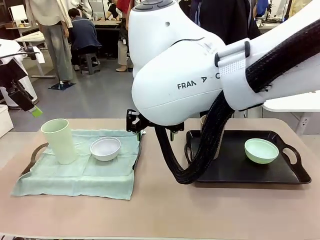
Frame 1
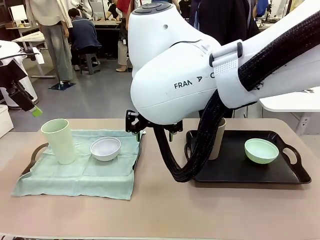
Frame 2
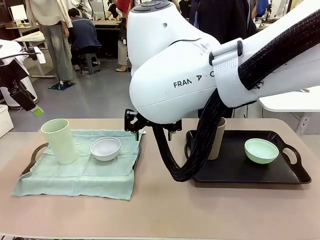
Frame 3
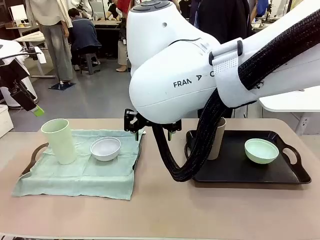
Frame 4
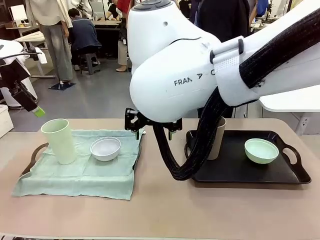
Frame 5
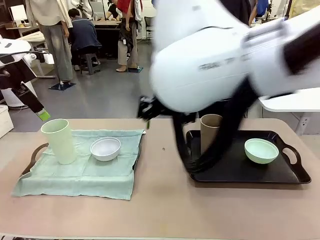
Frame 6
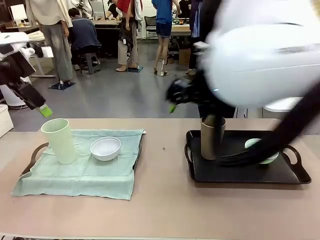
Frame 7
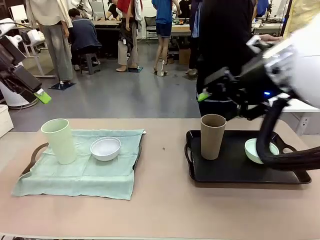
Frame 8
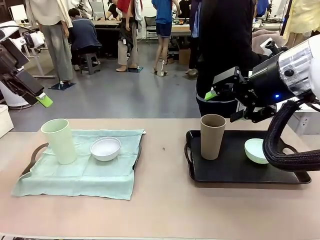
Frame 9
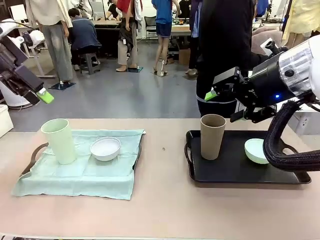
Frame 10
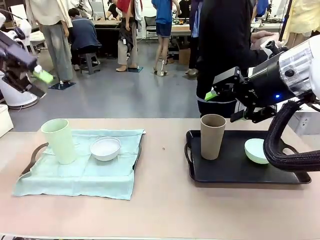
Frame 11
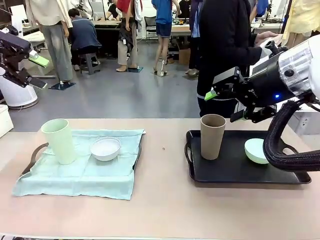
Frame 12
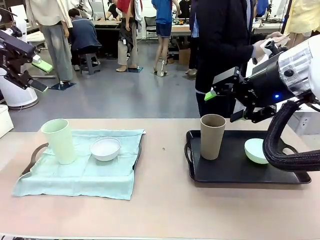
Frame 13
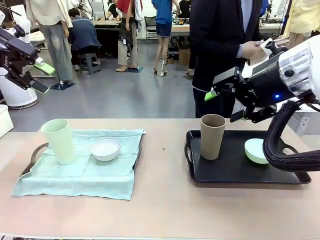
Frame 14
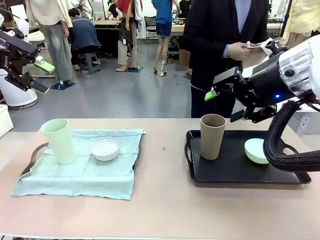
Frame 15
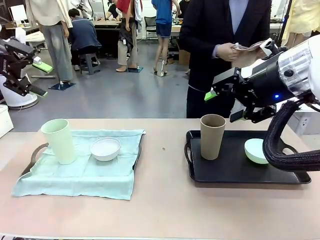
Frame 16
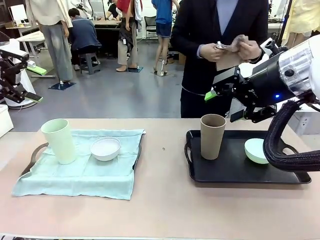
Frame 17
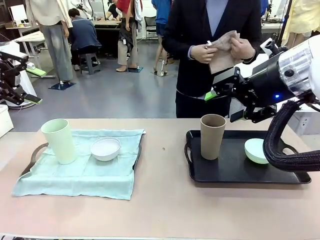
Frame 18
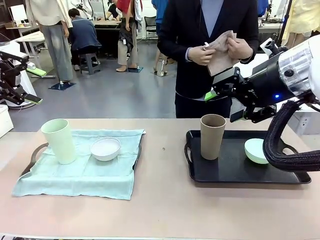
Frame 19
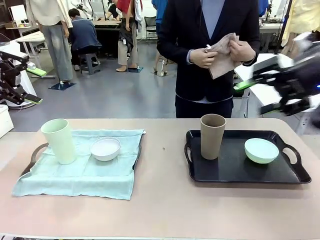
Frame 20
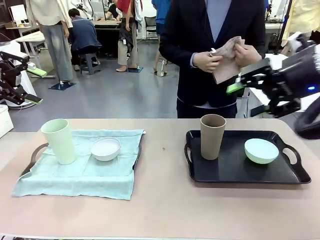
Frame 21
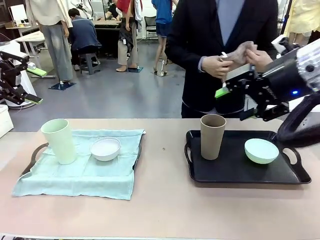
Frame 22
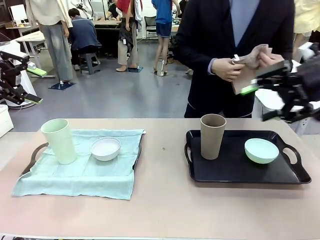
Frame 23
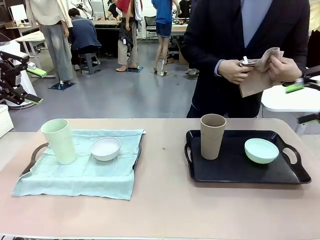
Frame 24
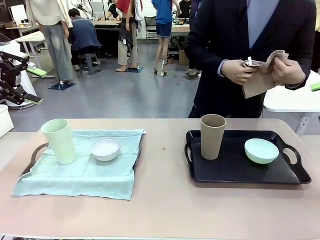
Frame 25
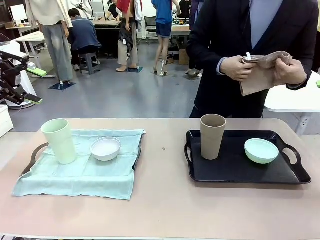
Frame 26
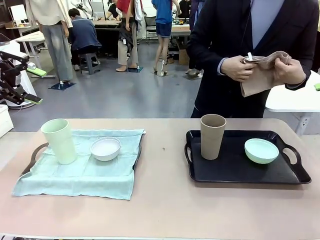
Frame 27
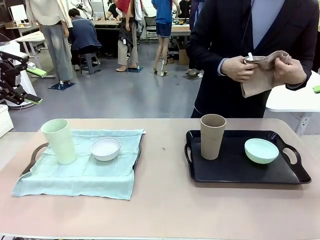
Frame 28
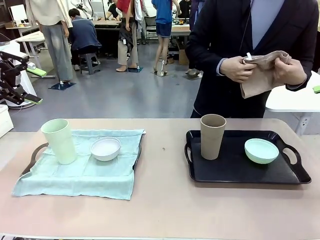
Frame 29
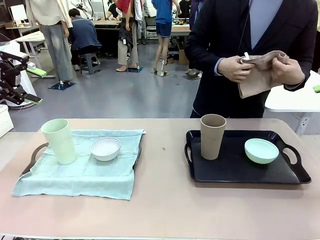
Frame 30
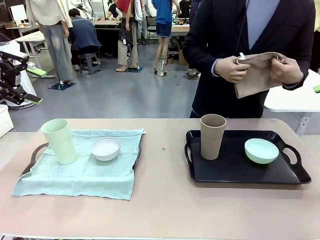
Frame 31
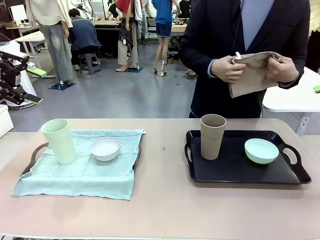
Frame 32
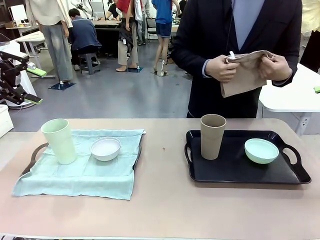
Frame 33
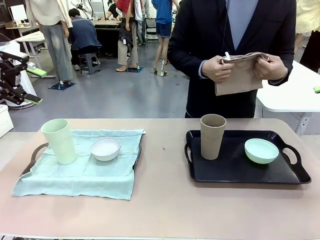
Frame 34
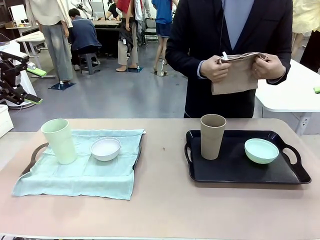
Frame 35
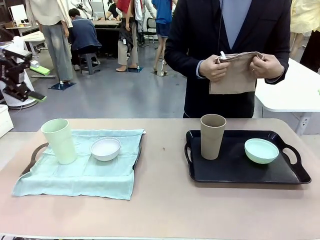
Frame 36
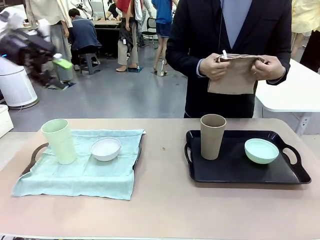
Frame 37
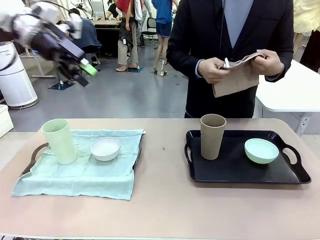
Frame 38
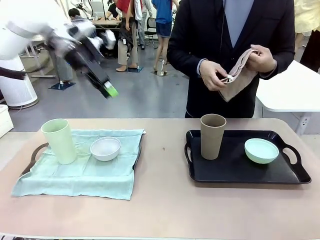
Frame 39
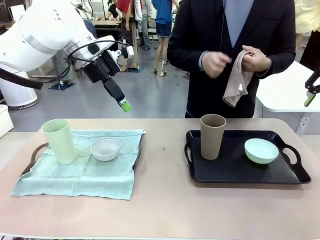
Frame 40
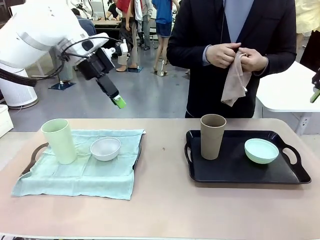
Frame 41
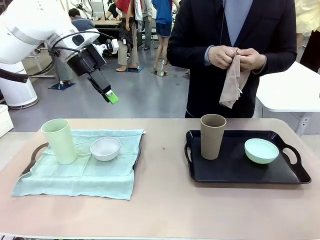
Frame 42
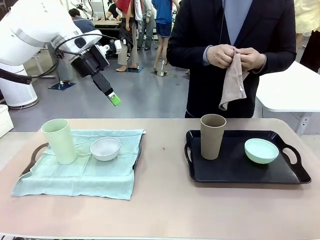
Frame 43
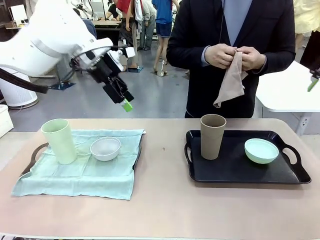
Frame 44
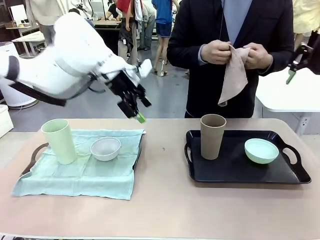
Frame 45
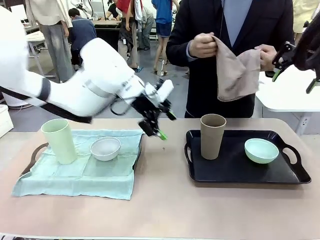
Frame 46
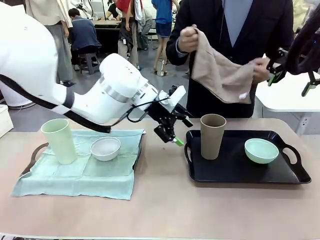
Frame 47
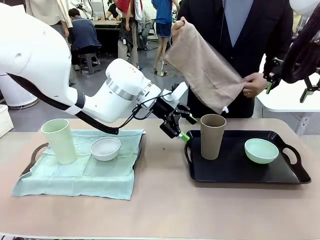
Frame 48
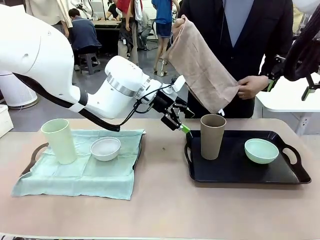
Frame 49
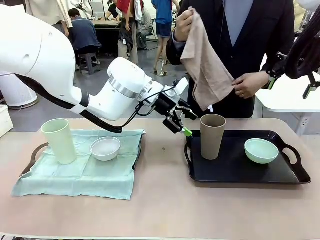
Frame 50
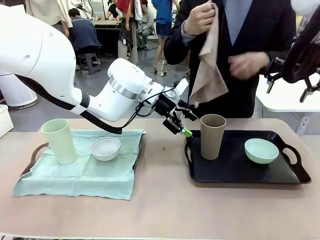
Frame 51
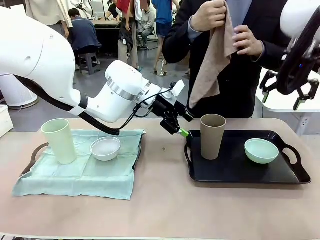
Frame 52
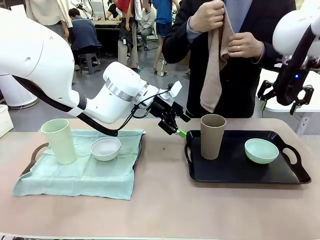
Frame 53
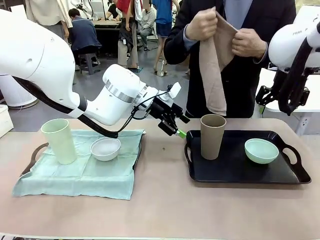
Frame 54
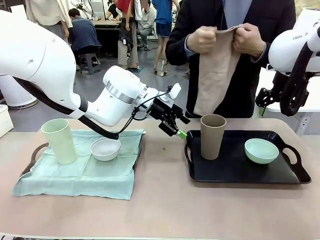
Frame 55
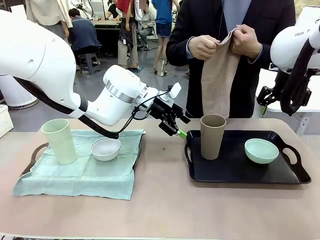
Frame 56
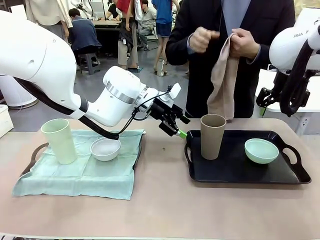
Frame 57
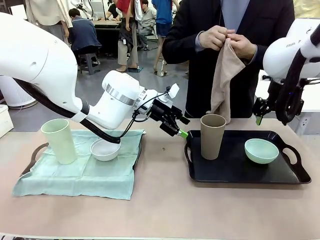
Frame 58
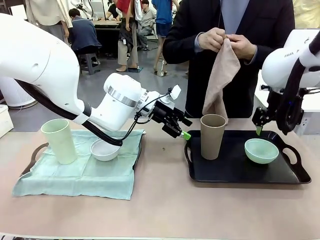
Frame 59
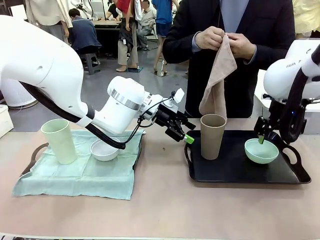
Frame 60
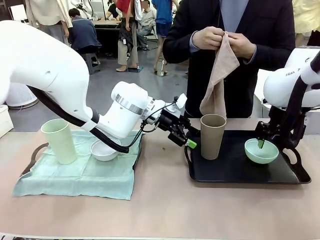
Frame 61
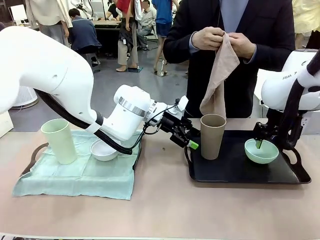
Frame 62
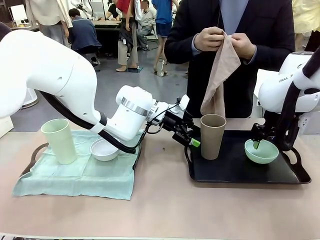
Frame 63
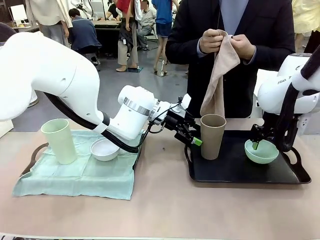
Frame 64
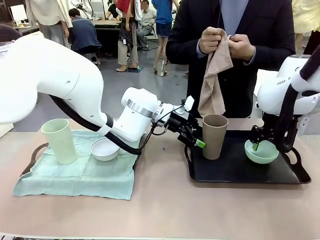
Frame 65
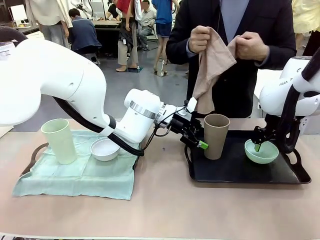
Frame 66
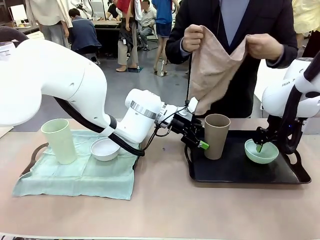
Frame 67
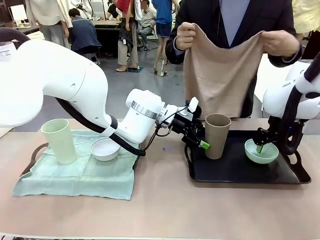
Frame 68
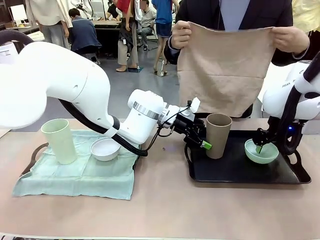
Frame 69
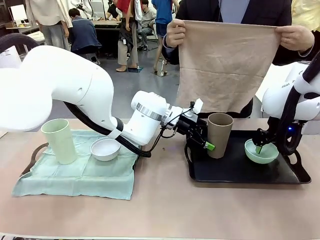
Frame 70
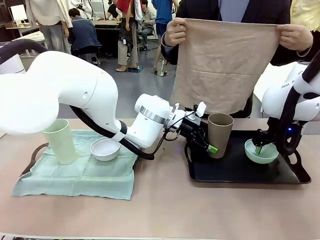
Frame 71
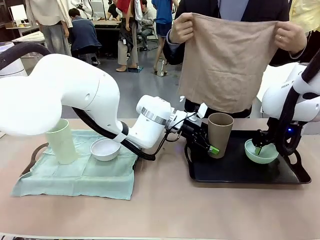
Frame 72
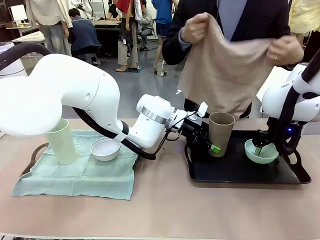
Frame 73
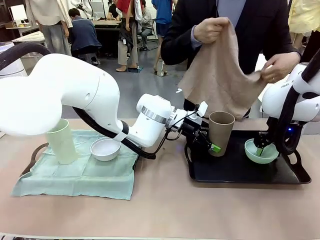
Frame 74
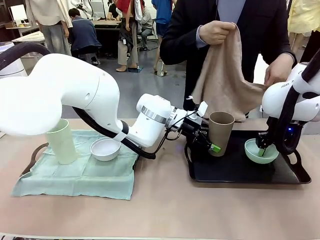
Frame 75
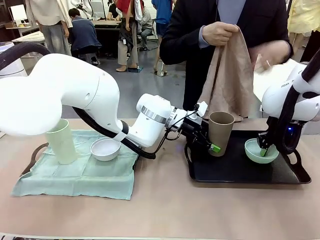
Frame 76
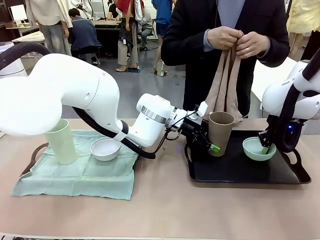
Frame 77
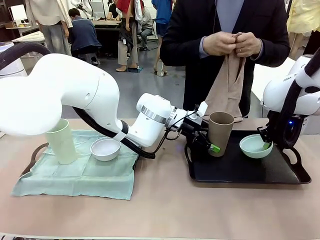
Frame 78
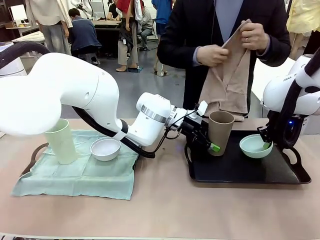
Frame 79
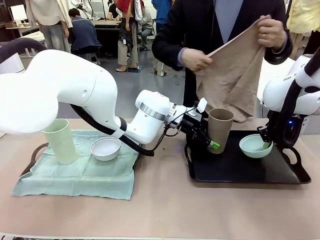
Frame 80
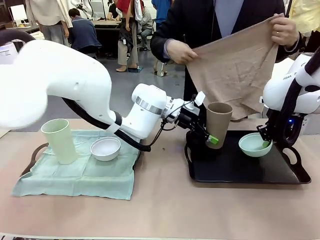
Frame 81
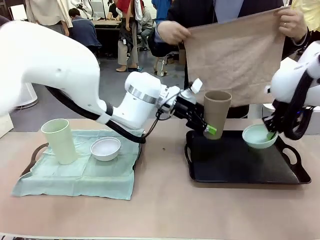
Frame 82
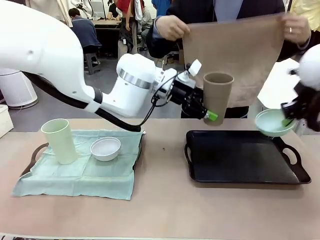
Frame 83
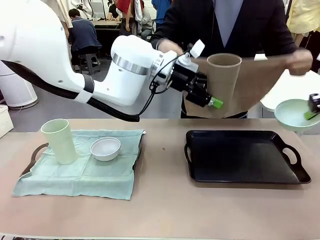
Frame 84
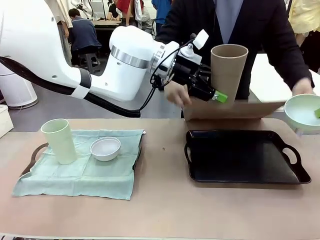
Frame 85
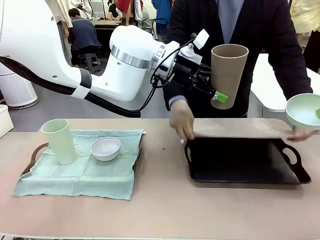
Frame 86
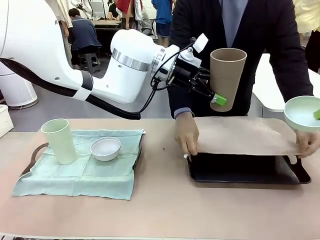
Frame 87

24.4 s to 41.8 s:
Robot: Pick up the Picnic Bowl and Reusable plastic cup from the Handle tray in front of the human's position and hold them in the air.
Person: When the robot lifts the bowl and the cup, the human unfolds the napkin and lays the napkin flat on the tray.

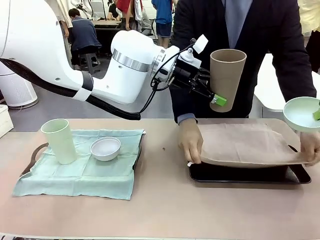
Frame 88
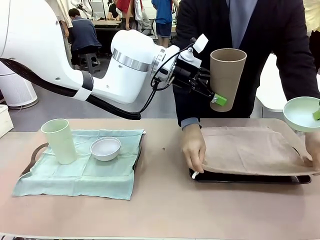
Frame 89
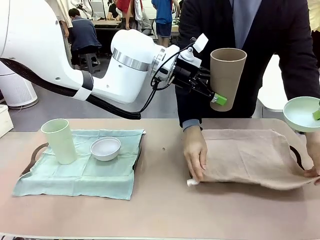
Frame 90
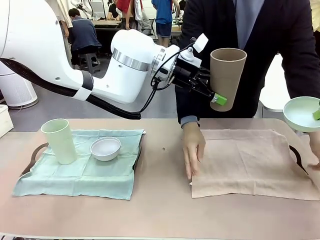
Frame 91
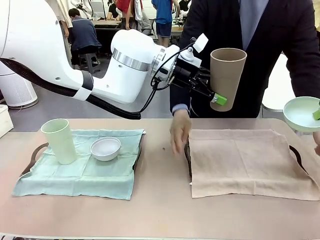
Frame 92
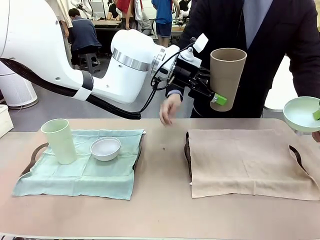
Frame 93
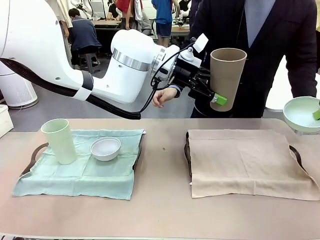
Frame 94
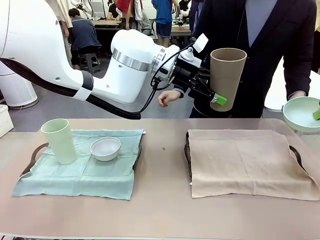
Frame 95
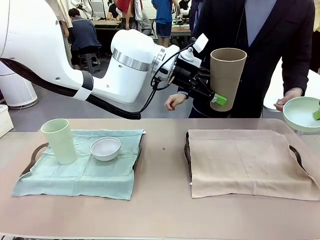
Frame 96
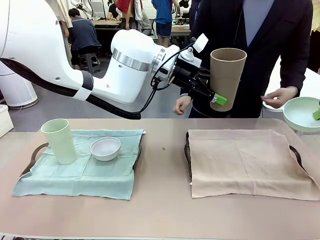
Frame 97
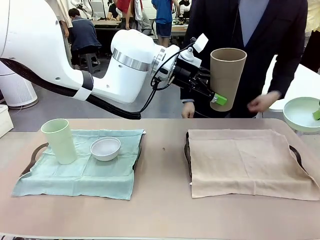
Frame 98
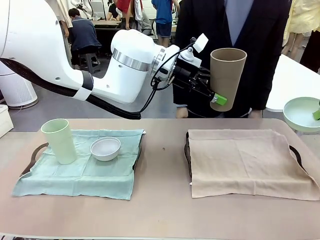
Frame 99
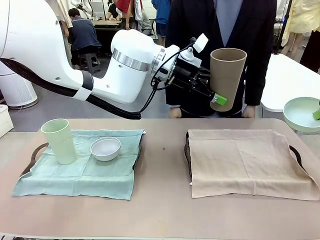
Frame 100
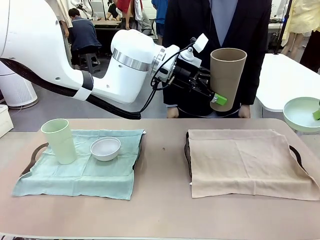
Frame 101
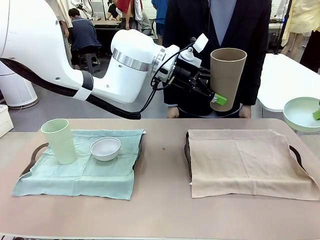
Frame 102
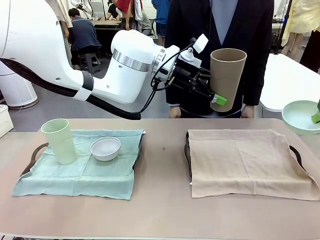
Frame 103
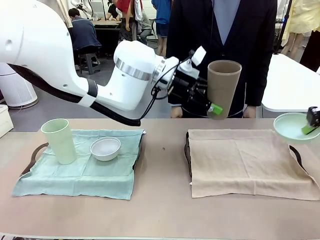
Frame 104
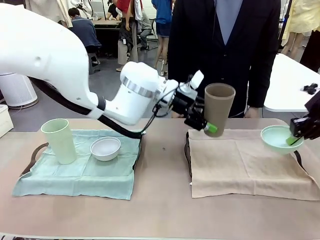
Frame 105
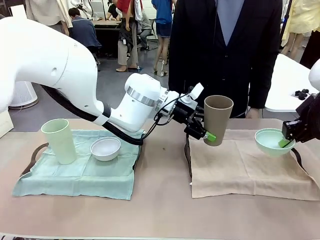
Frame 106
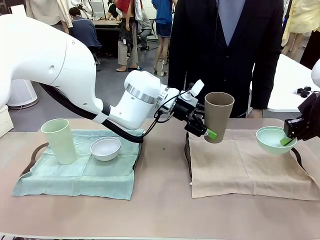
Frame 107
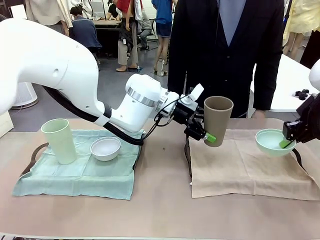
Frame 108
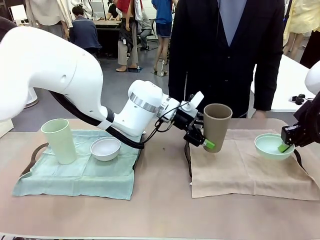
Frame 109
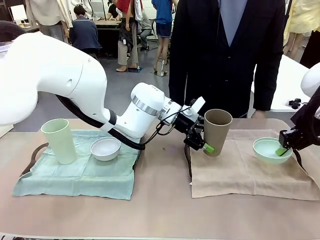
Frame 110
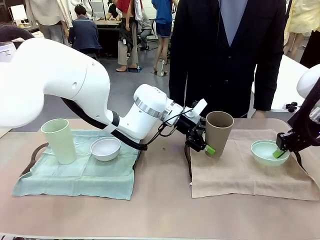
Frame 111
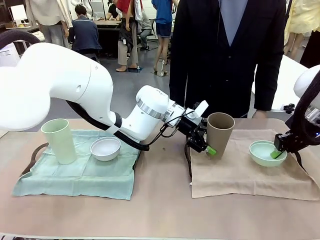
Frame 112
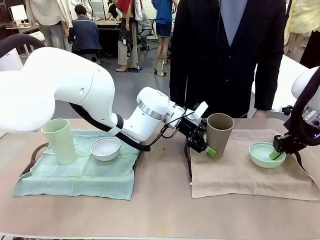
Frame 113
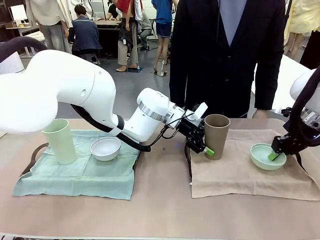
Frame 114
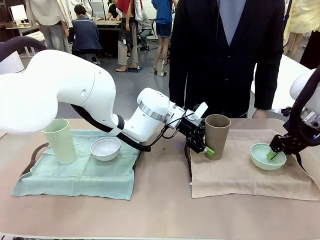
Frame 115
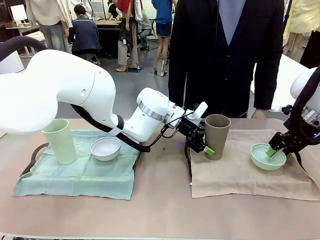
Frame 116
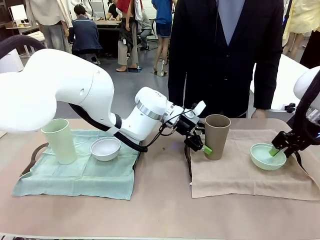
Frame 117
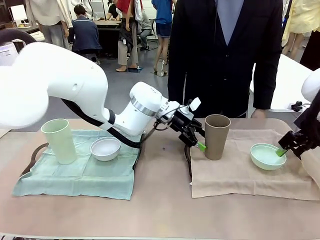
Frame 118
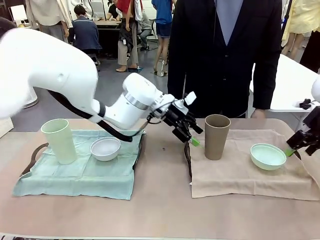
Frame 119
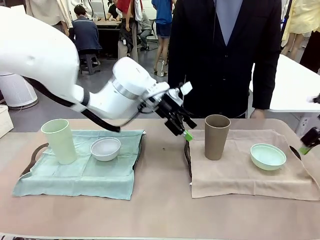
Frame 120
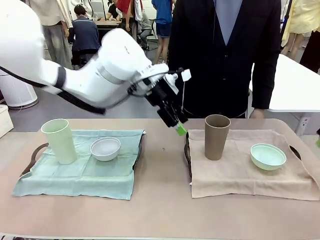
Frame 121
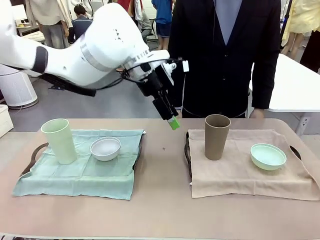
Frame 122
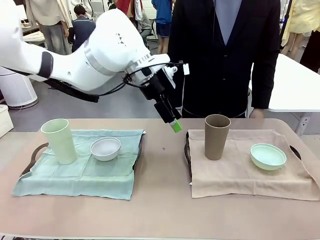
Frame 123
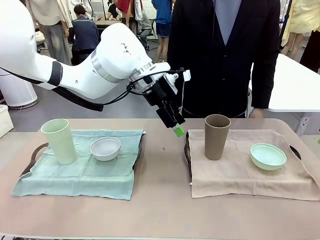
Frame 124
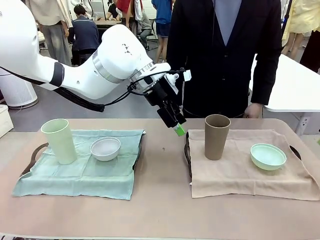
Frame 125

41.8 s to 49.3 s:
Robot: Place the Picnic Bowl and Reusable plastic cup back onto the Handle tray in front of the human's position.
